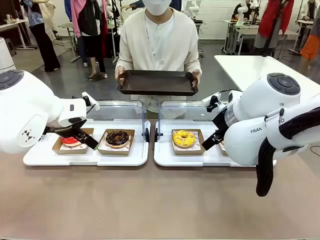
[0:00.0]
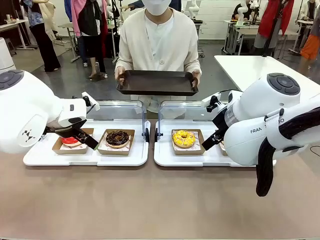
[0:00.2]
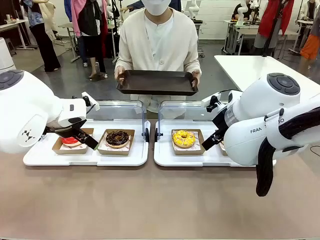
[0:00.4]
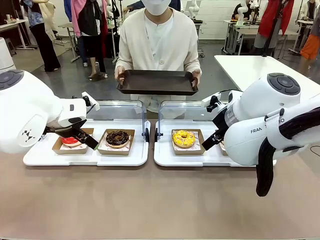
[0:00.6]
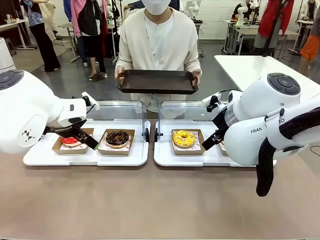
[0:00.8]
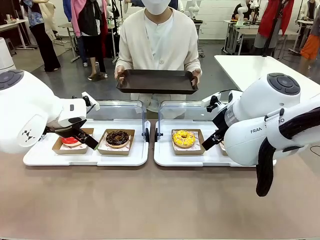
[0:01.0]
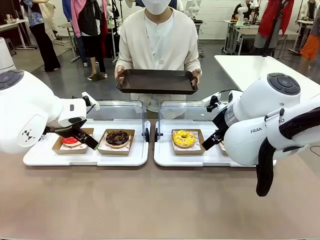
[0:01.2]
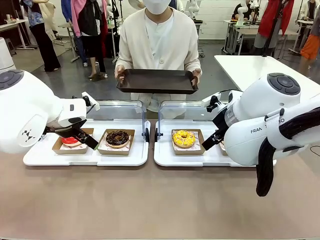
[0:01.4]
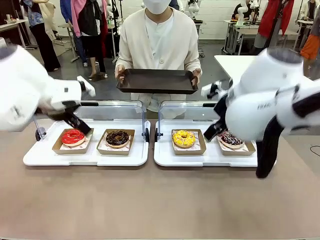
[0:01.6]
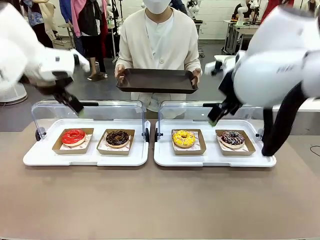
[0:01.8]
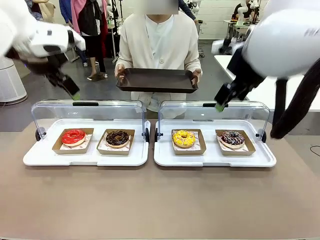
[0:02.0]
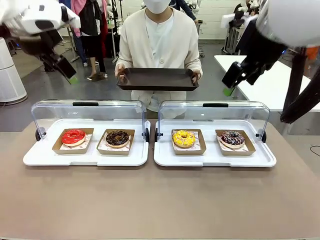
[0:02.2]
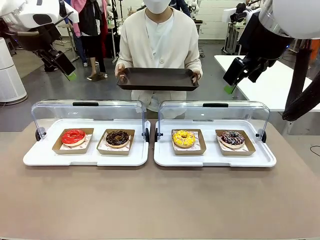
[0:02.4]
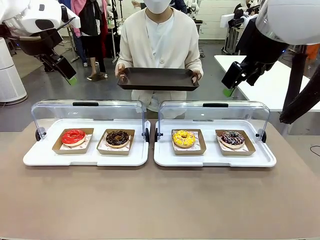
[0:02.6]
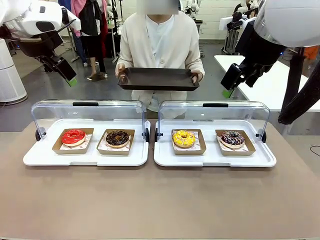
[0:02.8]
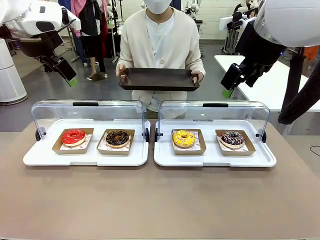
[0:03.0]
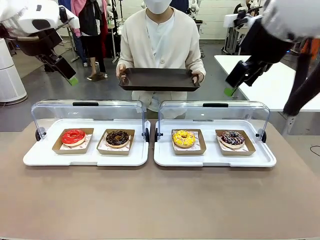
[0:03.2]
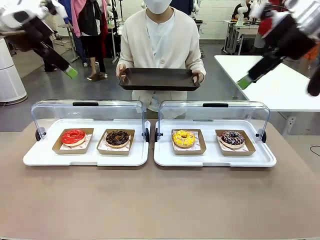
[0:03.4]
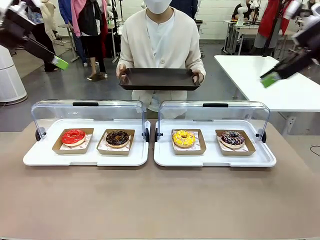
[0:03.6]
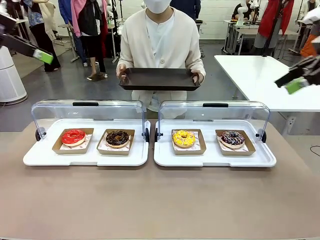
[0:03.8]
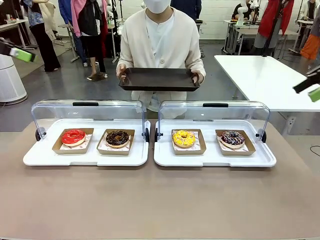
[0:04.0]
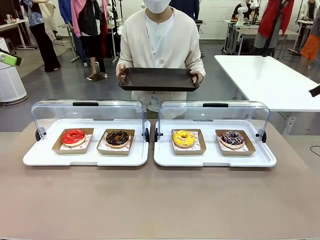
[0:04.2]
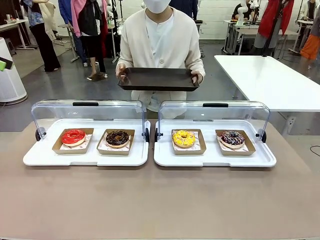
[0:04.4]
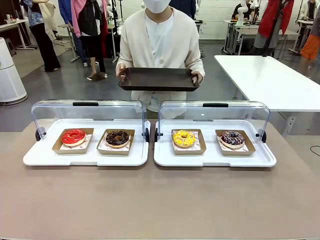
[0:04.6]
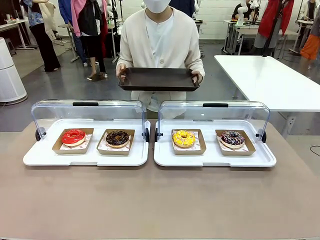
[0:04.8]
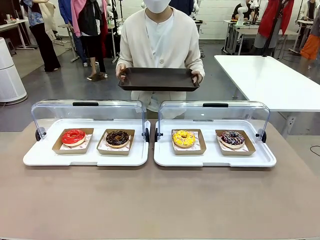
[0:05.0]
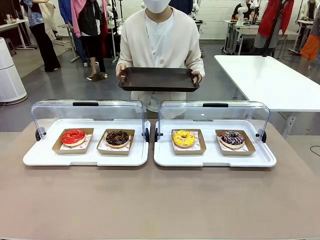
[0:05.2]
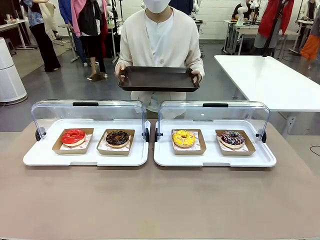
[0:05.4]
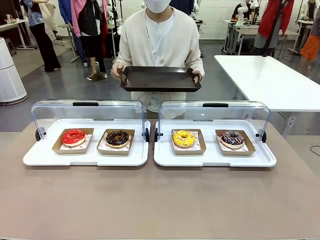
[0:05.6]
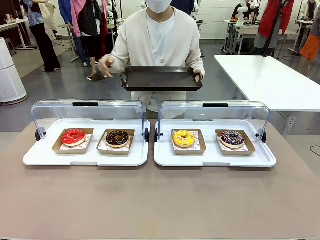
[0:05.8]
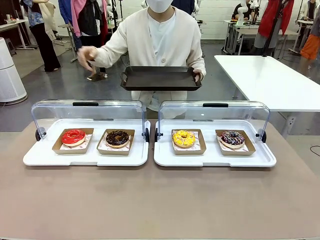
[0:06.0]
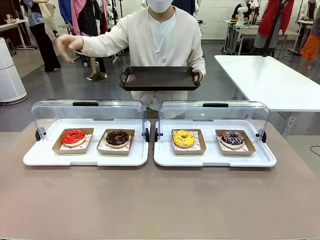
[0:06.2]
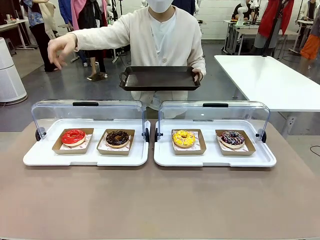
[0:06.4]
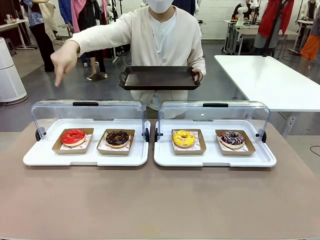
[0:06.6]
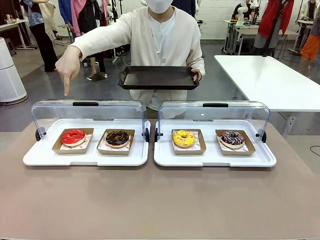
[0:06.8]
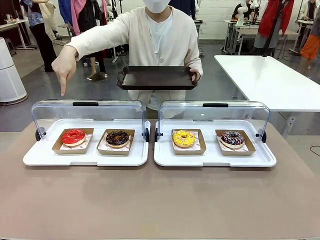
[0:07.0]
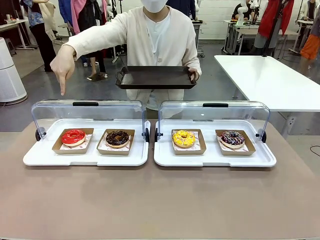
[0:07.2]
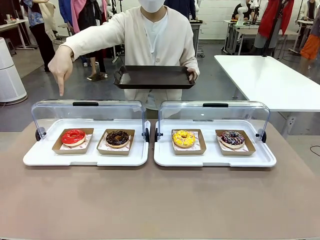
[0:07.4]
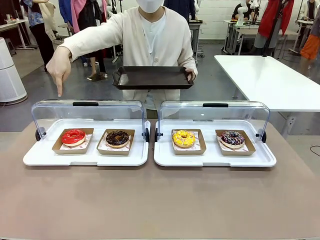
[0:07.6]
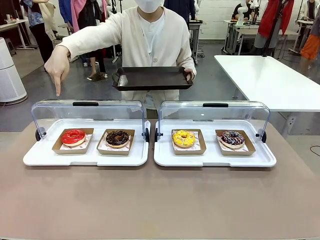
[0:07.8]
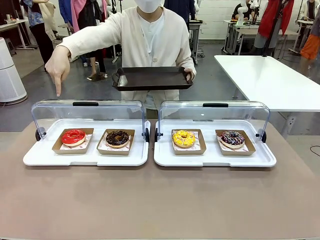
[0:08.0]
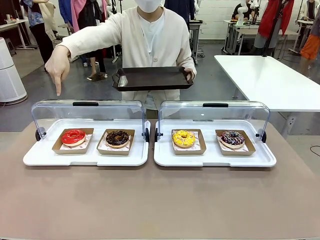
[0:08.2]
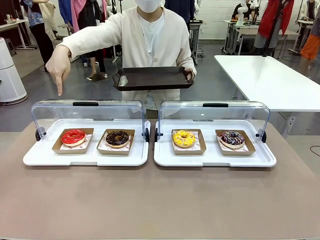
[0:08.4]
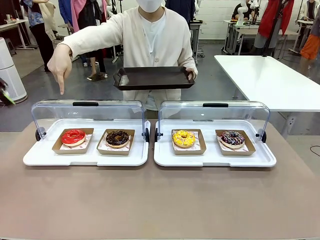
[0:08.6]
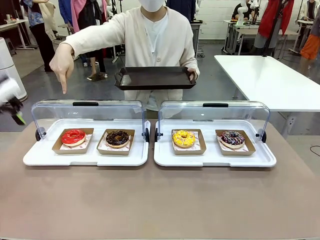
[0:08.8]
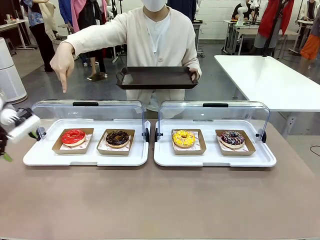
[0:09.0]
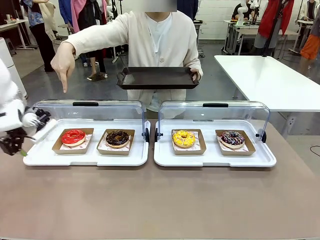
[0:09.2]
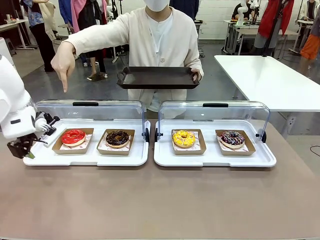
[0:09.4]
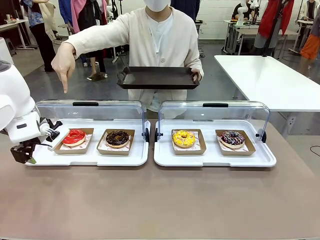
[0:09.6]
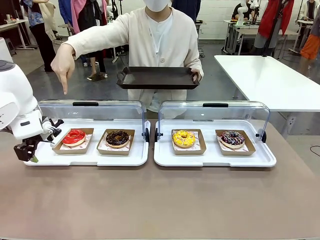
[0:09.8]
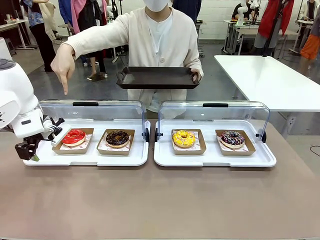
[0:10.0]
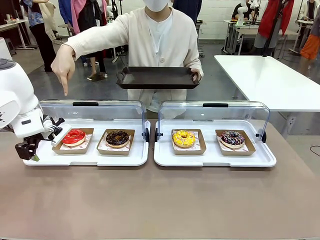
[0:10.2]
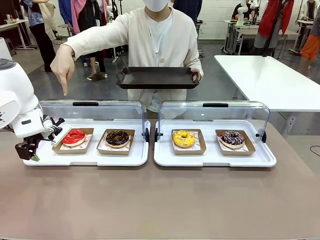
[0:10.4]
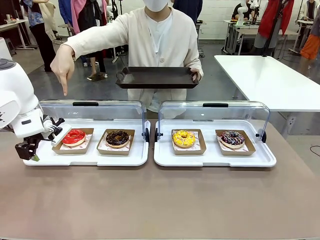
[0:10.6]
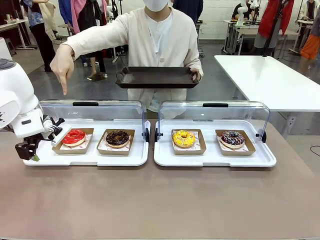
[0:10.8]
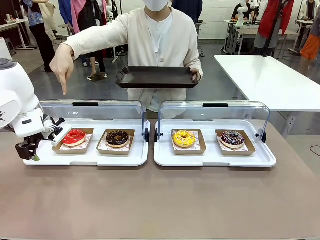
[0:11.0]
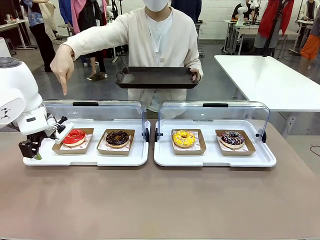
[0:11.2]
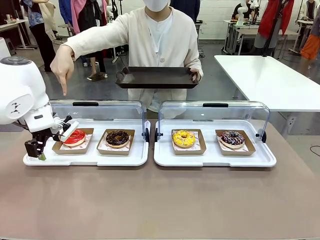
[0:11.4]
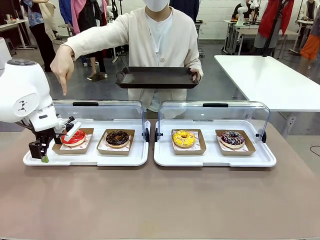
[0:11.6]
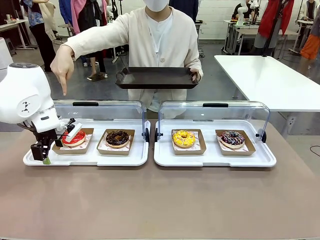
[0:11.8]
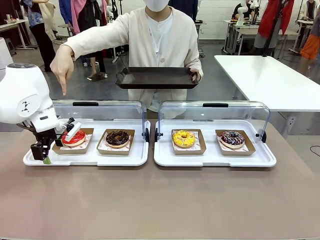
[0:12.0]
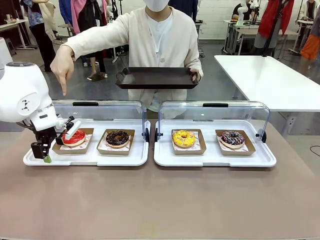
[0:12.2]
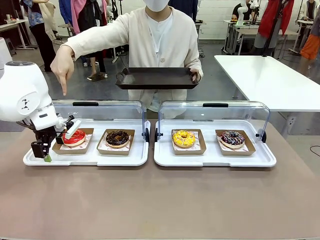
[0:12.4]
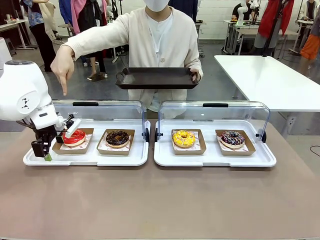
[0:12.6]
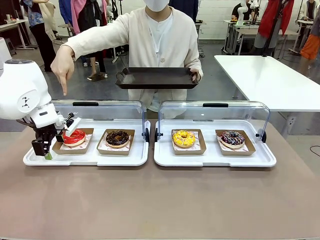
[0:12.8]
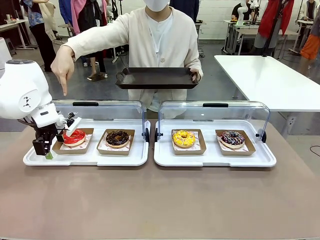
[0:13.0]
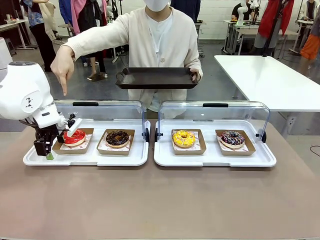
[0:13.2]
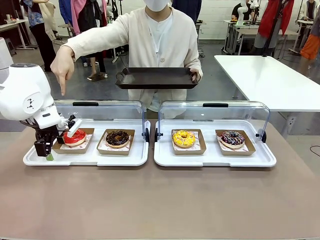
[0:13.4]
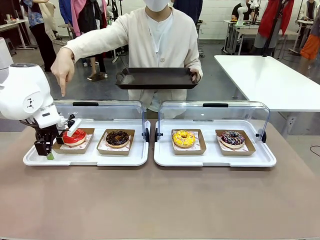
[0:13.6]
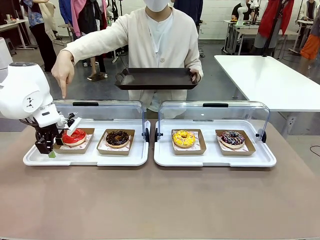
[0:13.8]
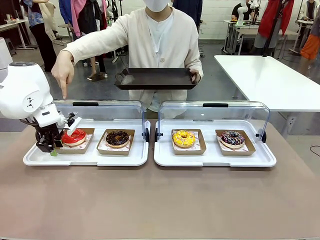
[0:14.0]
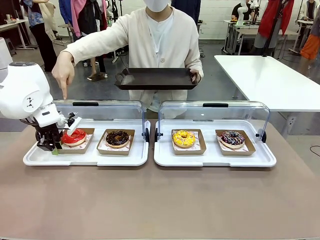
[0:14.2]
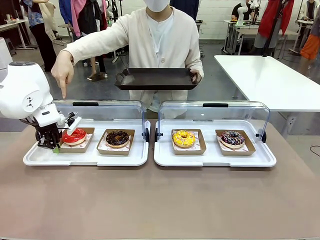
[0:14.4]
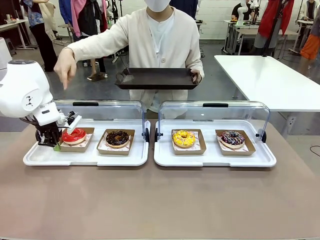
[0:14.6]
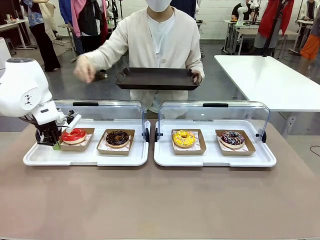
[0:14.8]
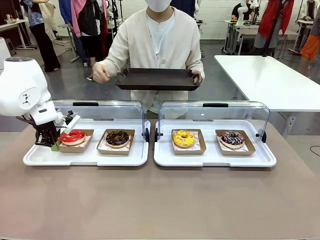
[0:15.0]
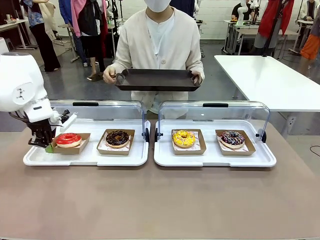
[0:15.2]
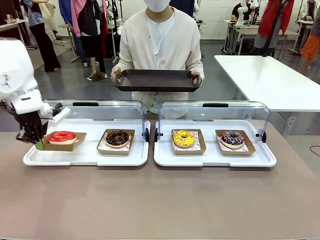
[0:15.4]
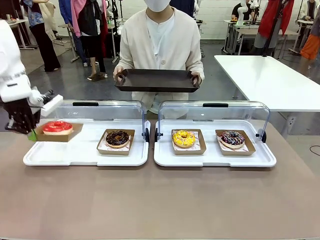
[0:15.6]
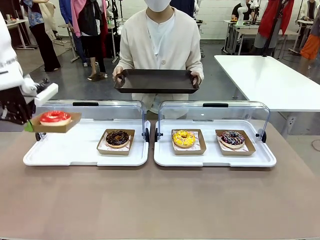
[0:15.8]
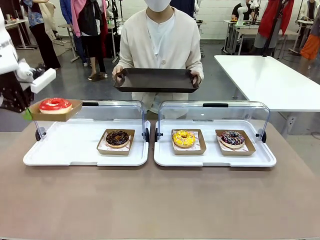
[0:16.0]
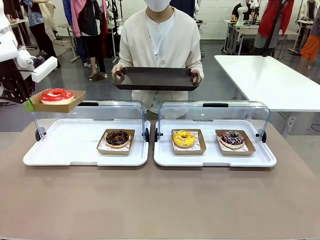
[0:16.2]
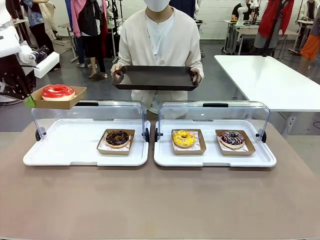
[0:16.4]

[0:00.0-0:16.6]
Task: Provide the desired donut to the person.
Robot: Pick up and lift the Paper togo box containing the Donut pointed at by the person.
Person: Point to one donut. Lift the tray onto the Roll-Top Bakery Case.

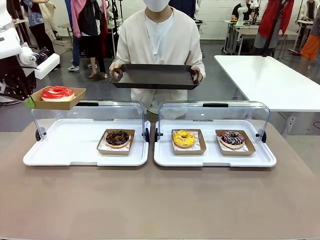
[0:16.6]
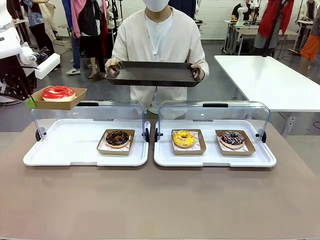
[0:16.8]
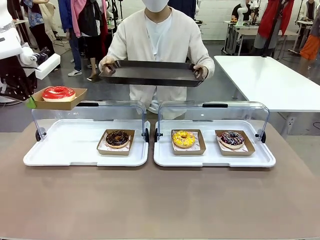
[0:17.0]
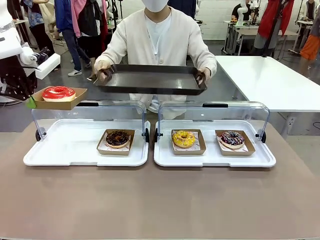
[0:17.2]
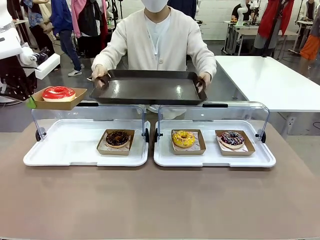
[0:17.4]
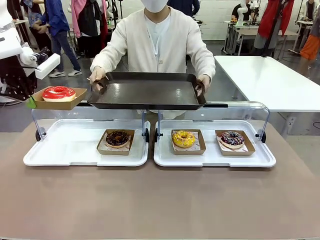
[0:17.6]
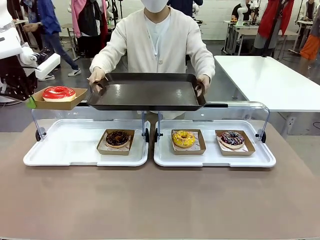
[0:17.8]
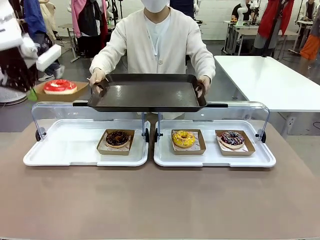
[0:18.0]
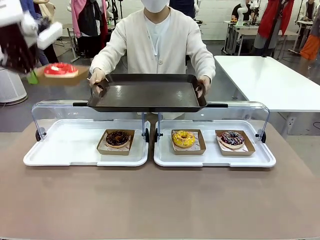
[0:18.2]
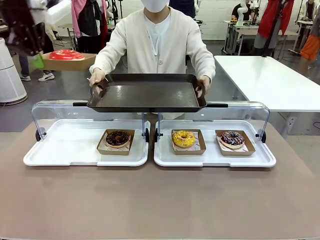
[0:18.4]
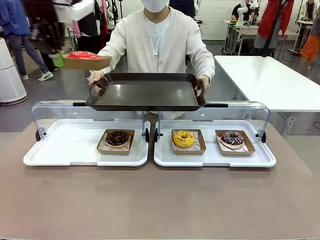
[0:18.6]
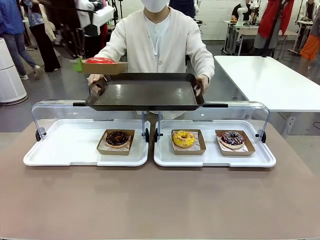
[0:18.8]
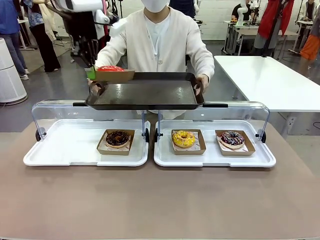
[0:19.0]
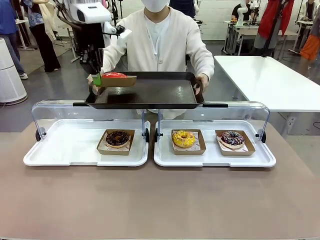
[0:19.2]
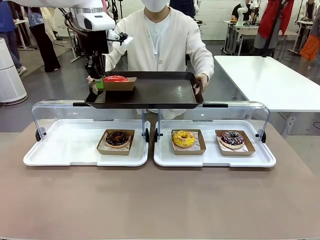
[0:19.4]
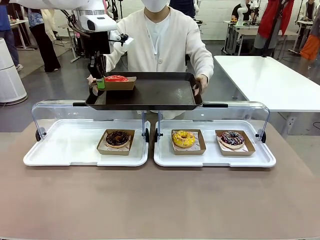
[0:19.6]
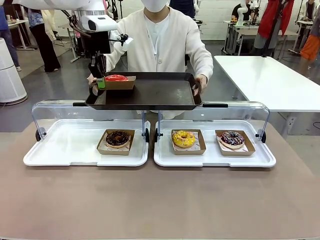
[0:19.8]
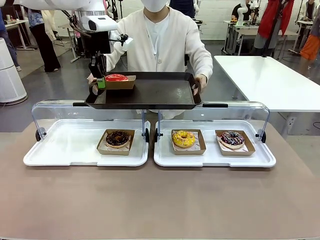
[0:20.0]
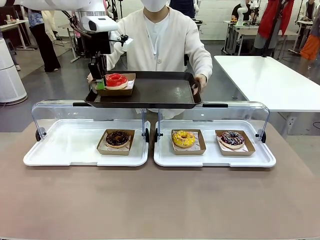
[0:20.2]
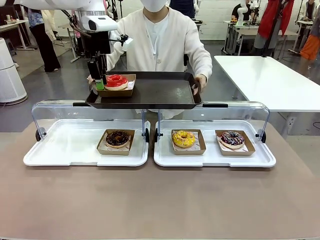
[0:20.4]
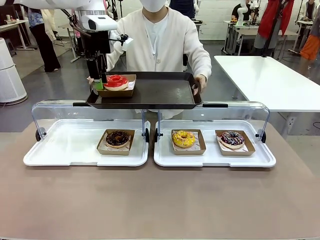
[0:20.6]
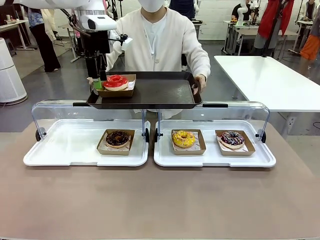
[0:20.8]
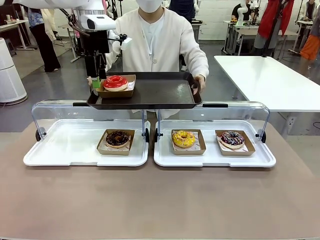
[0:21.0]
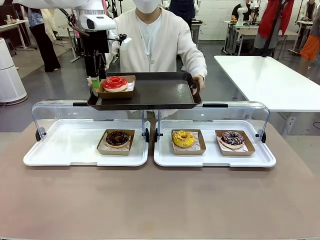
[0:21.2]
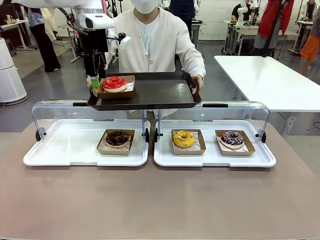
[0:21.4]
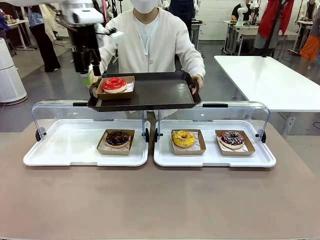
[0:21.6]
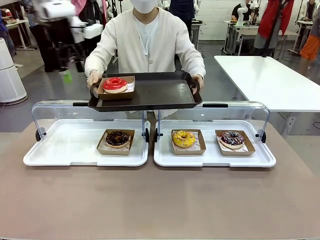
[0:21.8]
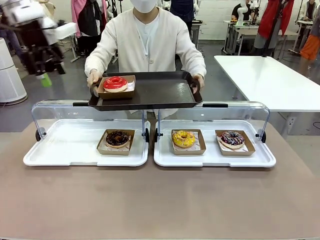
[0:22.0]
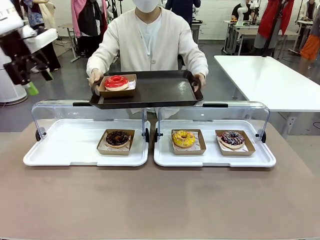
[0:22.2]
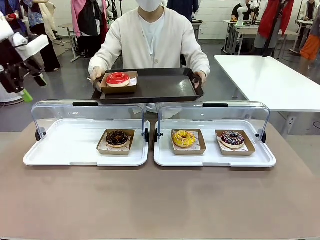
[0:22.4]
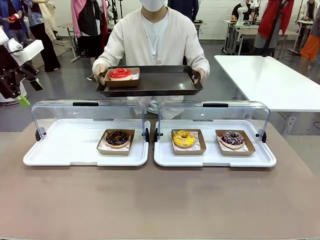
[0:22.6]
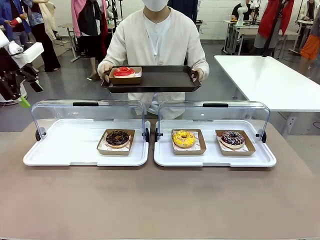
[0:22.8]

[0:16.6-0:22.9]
Robot: Place the picked Paper togo box onto the Handle tray extended by the person.
